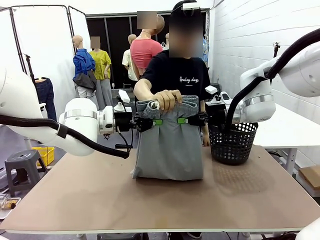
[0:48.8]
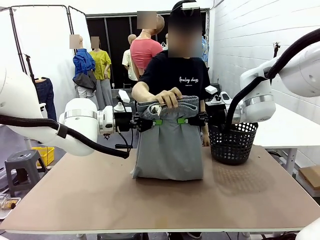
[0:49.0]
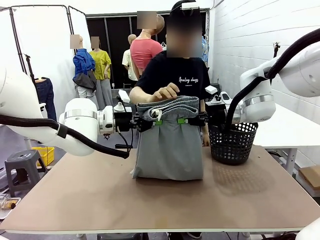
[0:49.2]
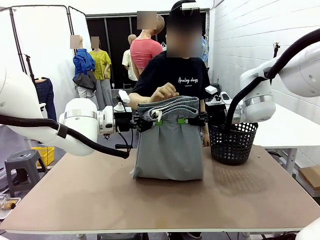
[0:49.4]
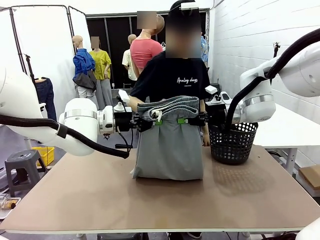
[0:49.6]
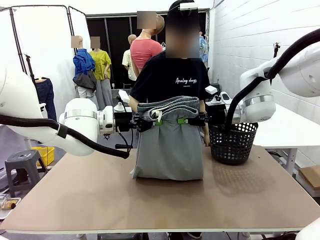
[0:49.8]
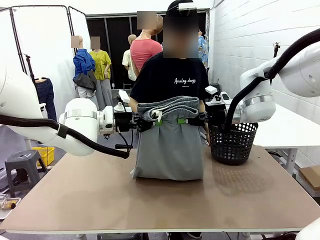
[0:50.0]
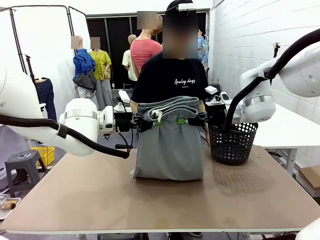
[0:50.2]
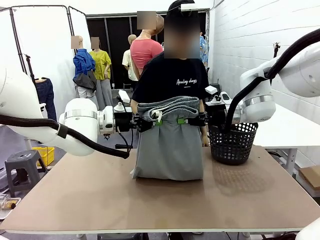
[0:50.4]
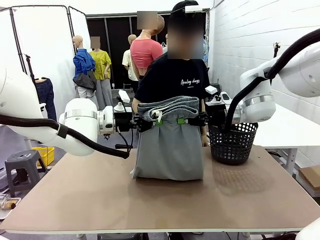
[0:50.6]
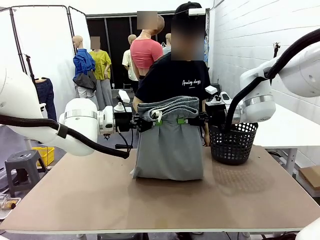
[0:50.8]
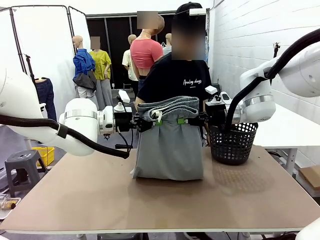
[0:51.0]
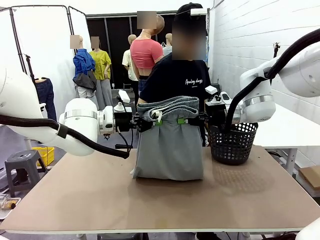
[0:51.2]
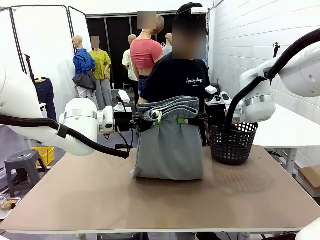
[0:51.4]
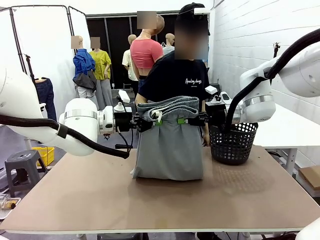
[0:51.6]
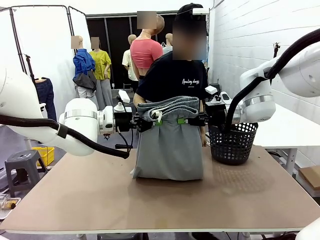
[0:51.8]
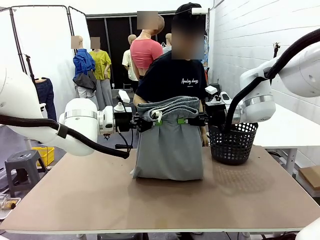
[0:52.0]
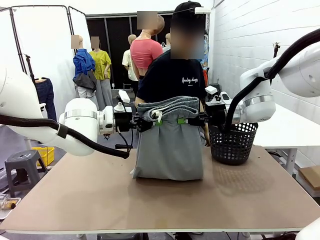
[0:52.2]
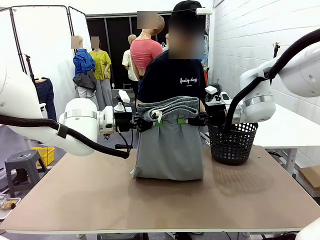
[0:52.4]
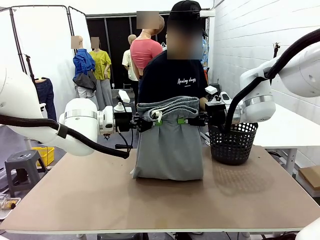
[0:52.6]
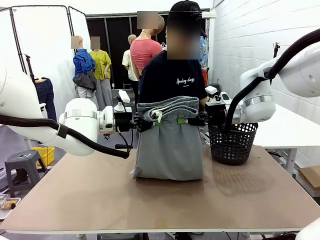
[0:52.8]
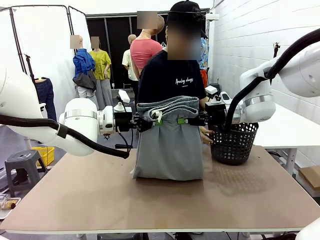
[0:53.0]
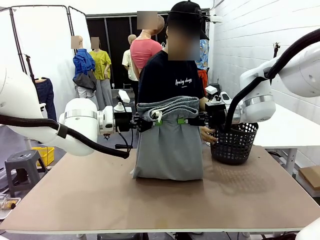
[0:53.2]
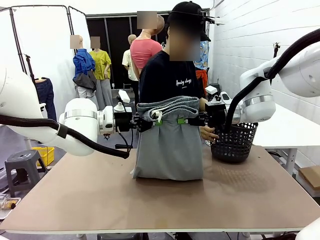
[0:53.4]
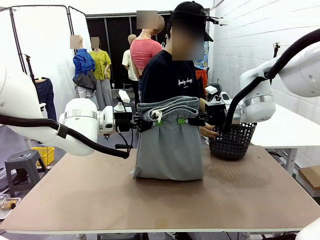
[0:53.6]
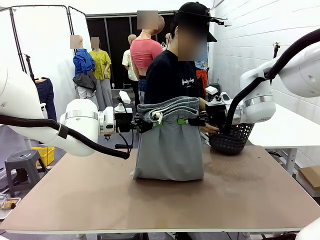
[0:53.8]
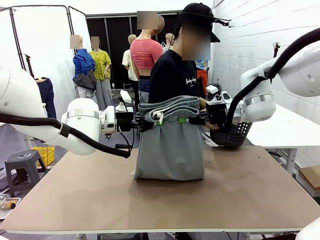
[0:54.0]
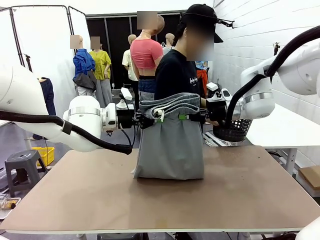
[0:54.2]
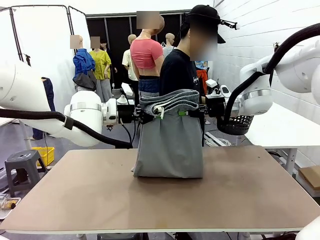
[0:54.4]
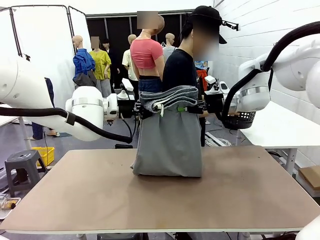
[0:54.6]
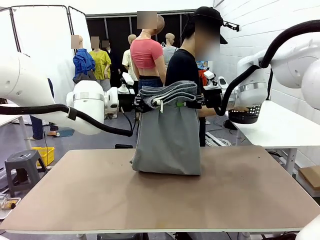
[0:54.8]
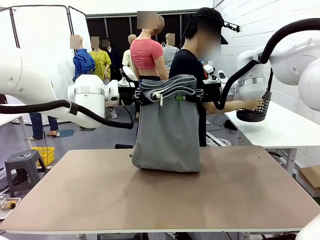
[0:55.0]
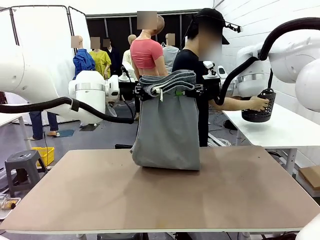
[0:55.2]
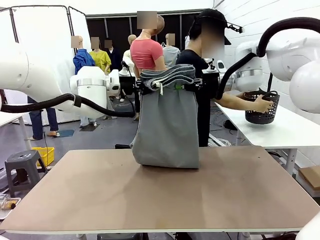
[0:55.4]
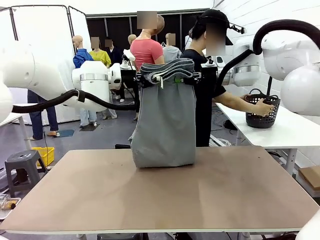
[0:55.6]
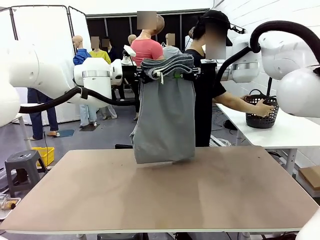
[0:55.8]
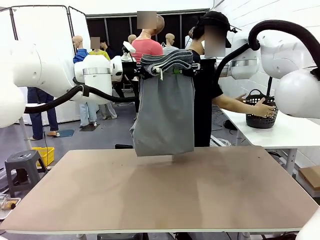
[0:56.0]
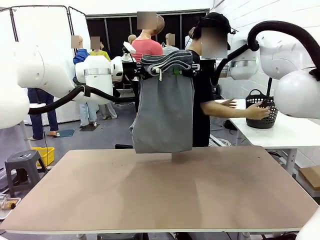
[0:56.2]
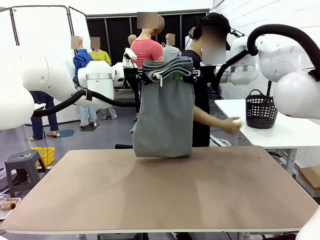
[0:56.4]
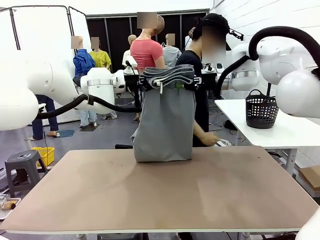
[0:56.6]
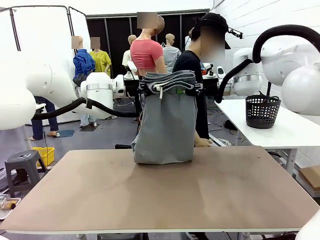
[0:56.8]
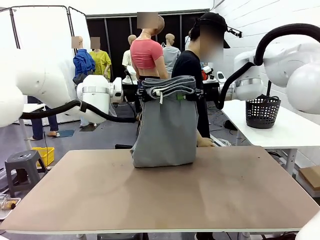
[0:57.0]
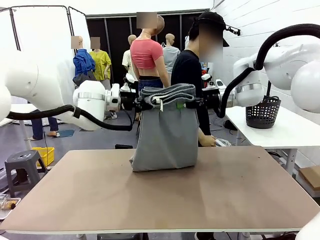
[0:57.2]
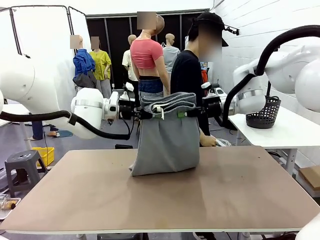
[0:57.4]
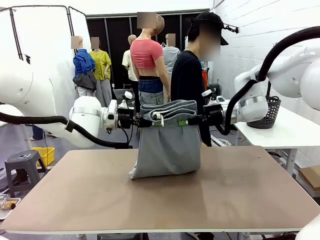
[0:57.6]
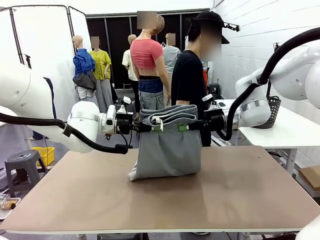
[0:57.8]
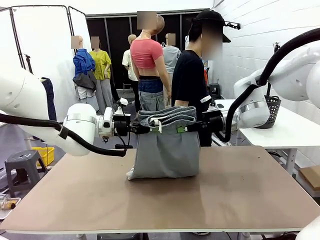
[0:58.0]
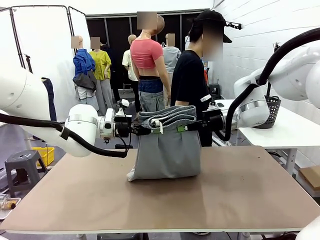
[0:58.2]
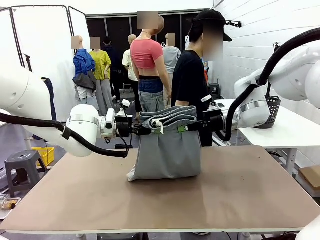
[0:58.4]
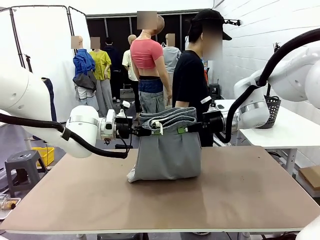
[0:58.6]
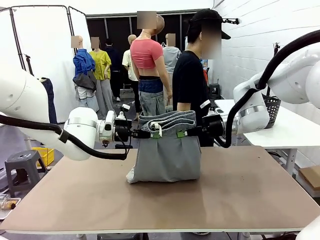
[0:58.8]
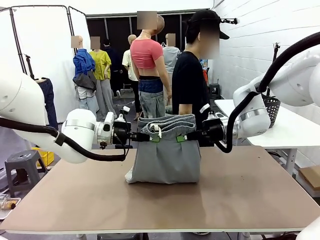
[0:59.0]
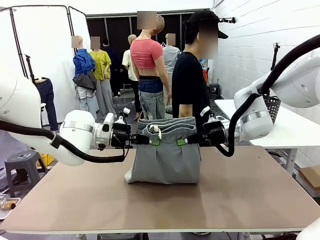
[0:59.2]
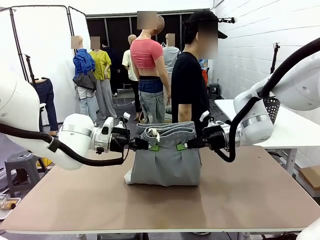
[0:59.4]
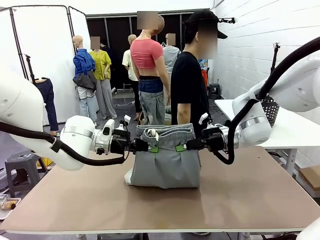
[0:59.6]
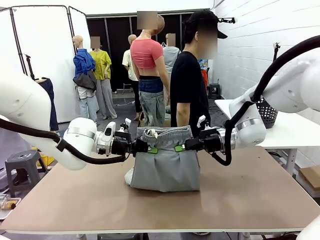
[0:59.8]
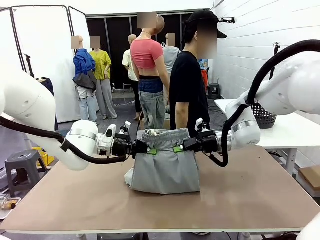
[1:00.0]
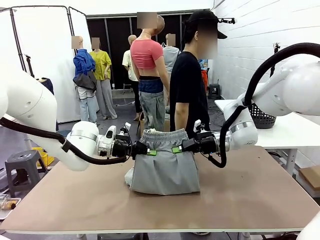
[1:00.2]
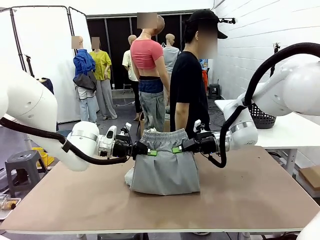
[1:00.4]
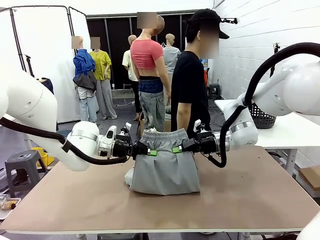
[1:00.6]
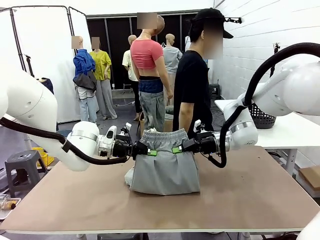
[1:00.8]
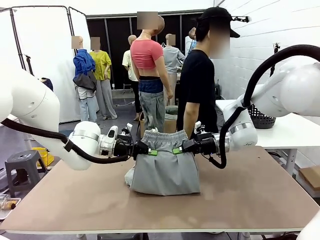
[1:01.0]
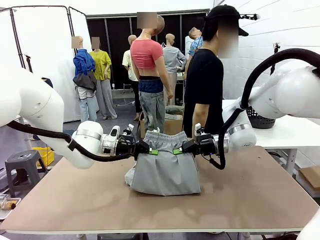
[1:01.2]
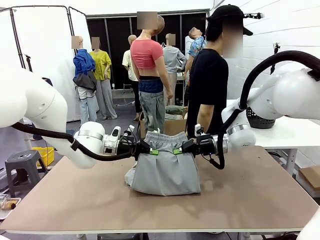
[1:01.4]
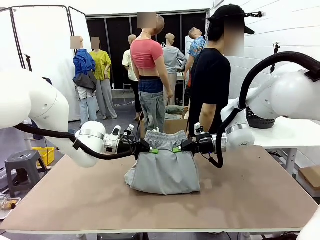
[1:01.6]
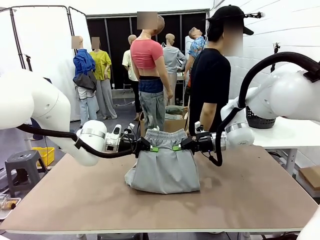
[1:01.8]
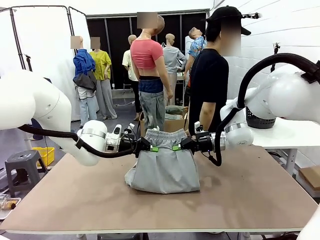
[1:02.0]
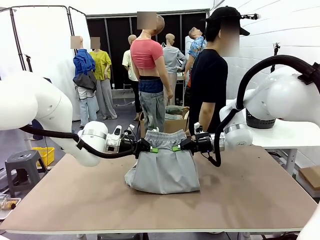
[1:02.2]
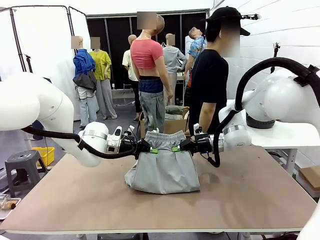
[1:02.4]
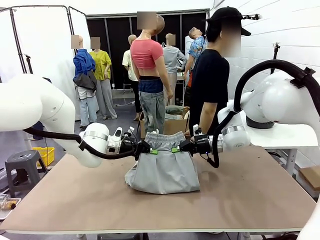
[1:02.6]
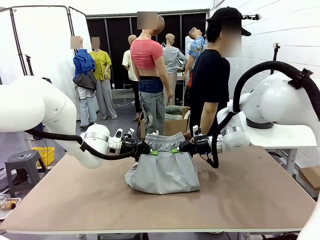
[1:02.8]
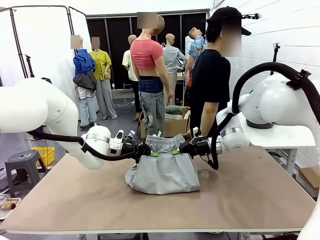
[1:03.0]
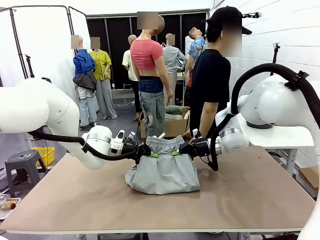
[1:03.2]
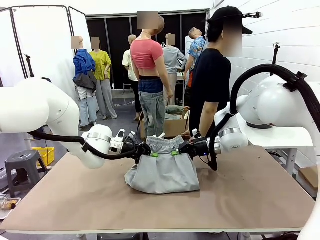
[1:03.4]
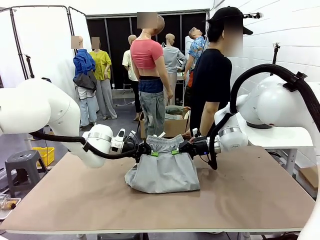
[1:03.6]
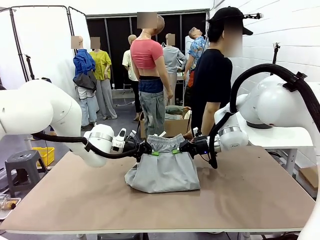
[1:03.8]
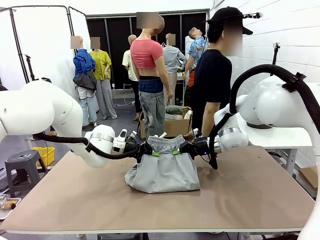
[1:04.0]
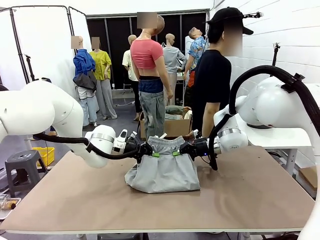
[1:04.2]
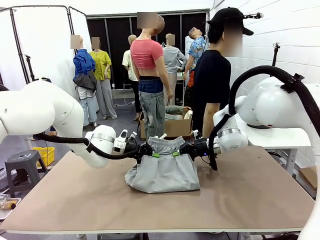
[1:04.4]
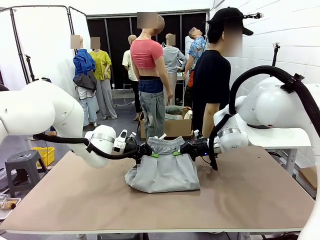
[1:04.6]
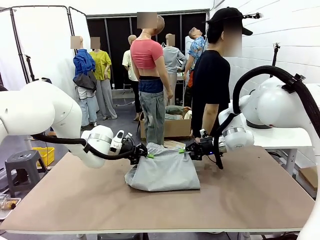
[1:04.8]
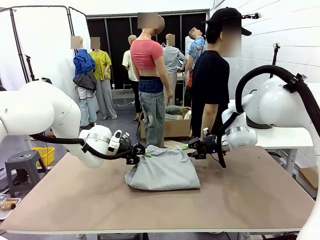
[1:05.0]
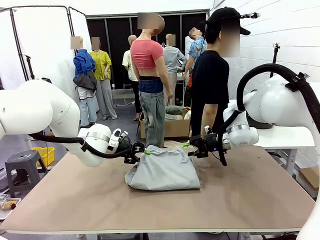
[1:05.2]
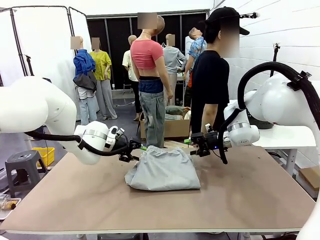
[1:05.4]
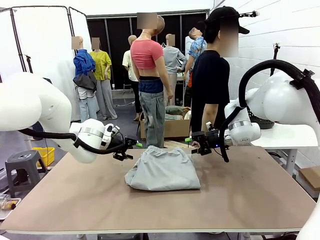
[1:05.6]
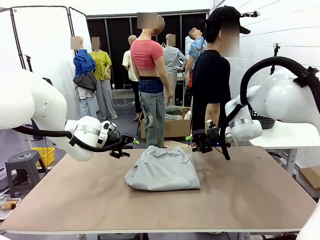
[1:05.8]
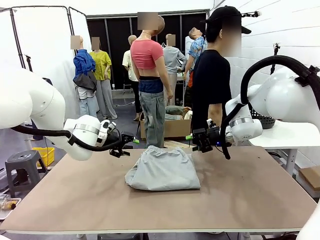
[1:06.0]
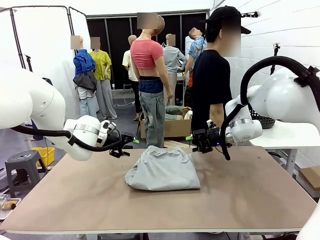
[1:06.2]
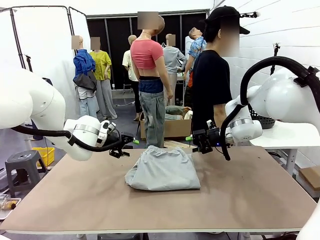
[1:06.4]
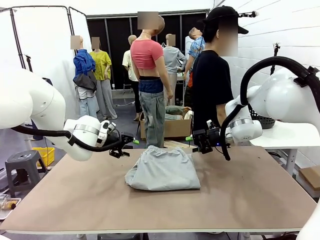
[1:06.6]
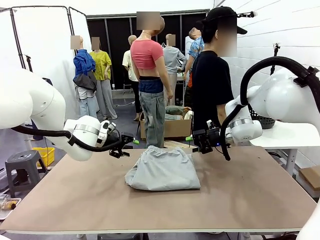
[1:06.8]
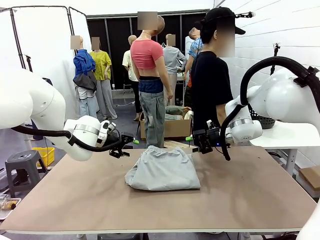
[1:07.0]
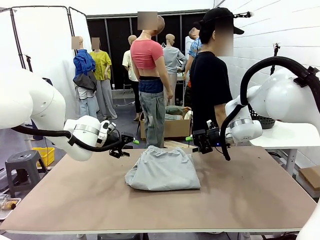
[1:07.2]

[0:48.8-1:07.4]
Task: Fold the training pants.
Robot: Fold the Training pants in half.
Person: Move the laundry basket to the right of the human table.
